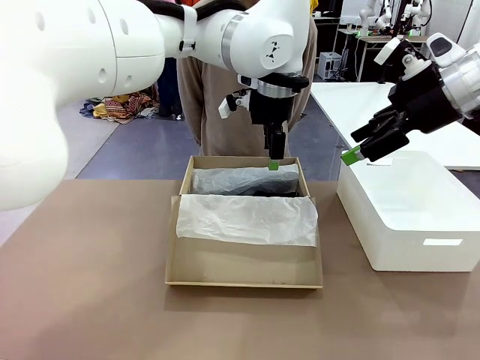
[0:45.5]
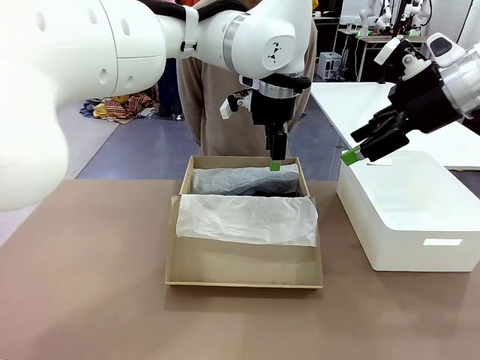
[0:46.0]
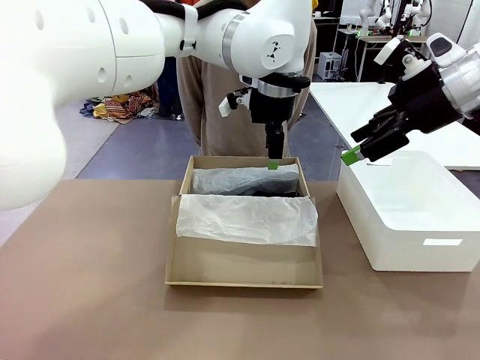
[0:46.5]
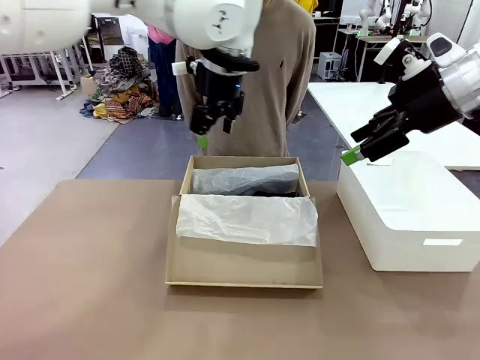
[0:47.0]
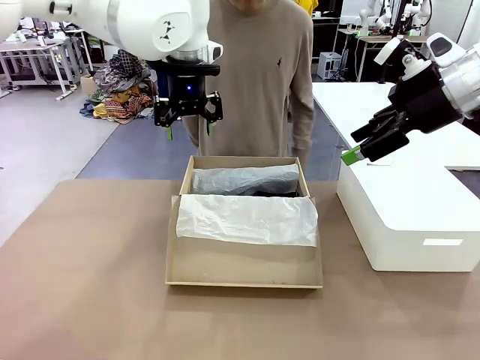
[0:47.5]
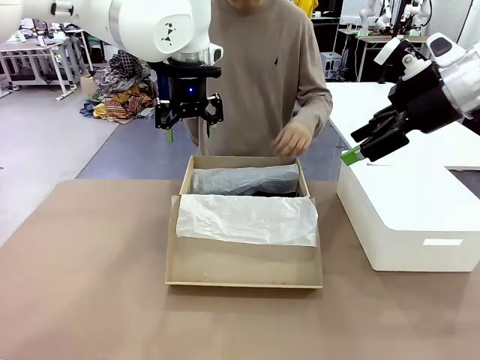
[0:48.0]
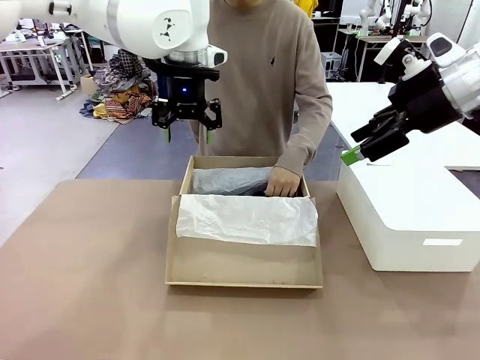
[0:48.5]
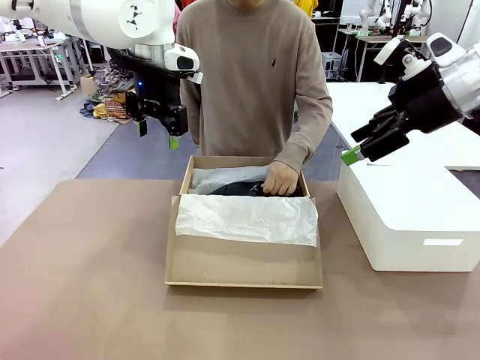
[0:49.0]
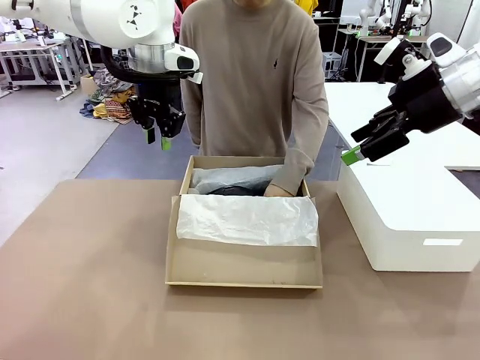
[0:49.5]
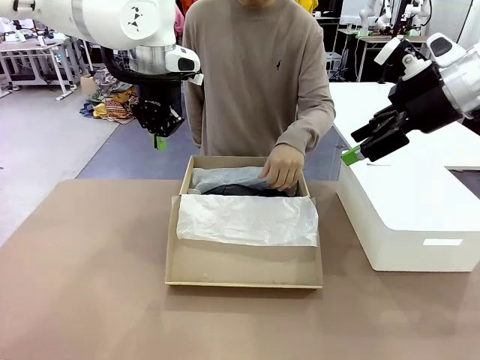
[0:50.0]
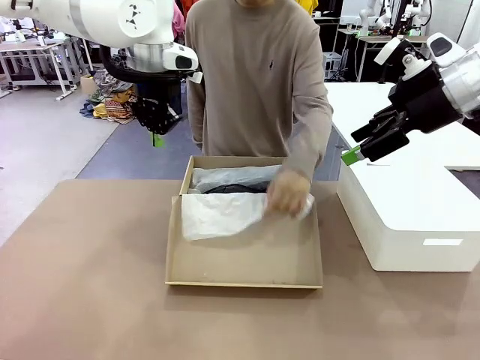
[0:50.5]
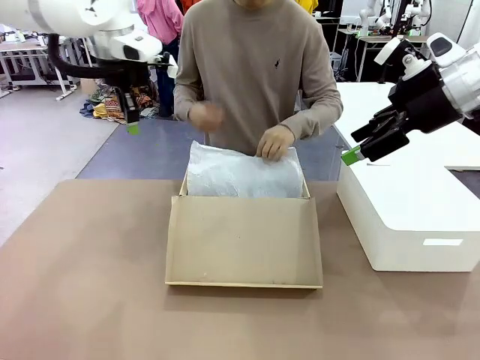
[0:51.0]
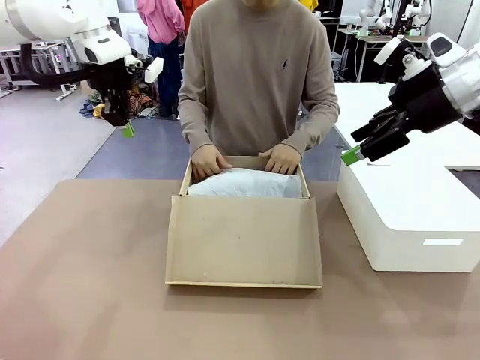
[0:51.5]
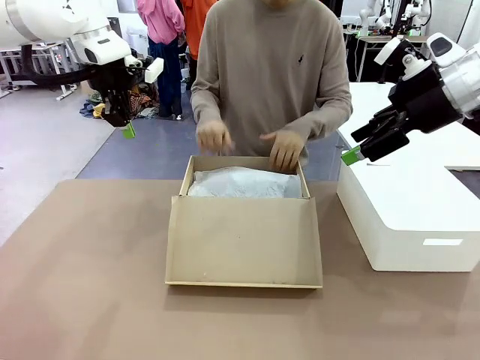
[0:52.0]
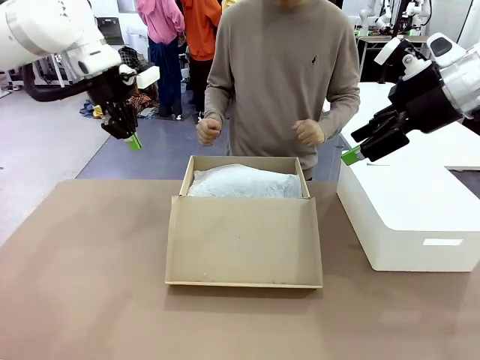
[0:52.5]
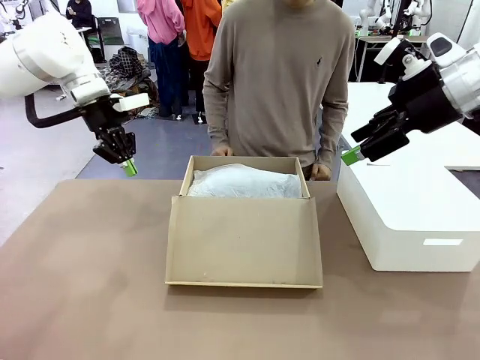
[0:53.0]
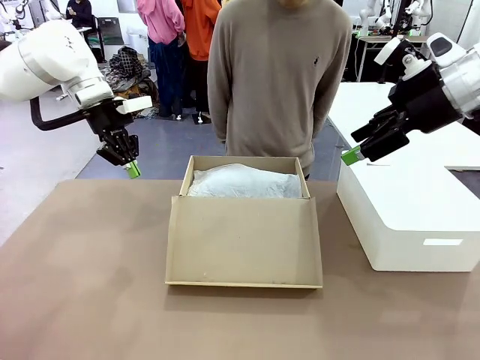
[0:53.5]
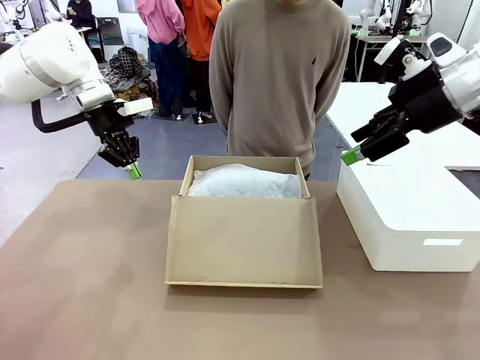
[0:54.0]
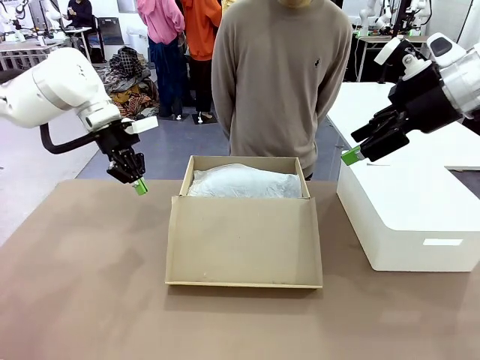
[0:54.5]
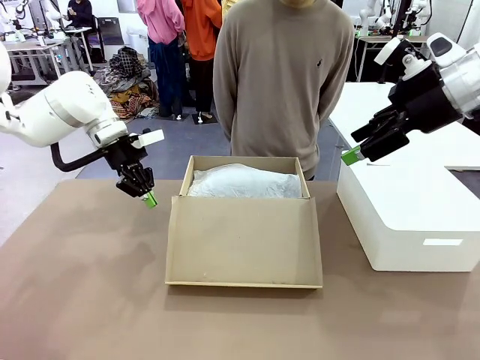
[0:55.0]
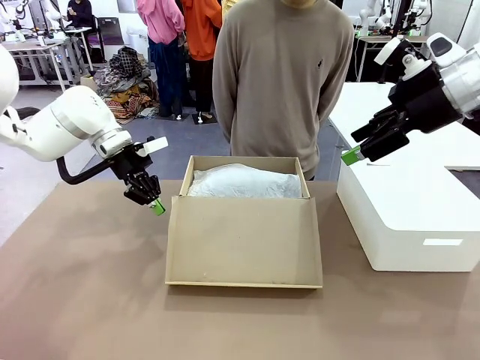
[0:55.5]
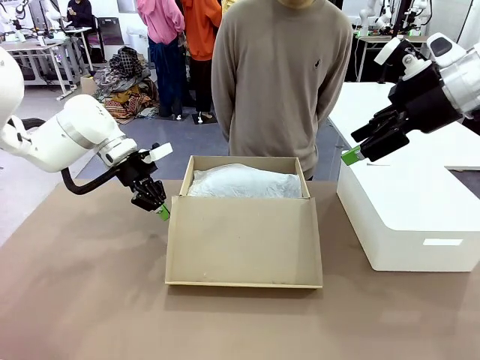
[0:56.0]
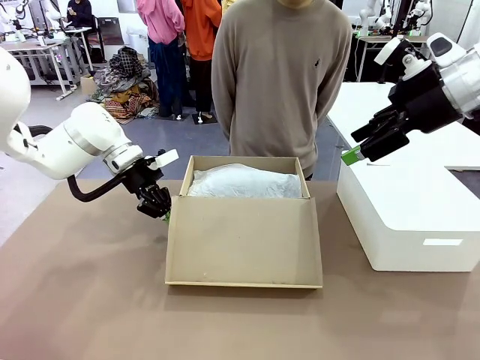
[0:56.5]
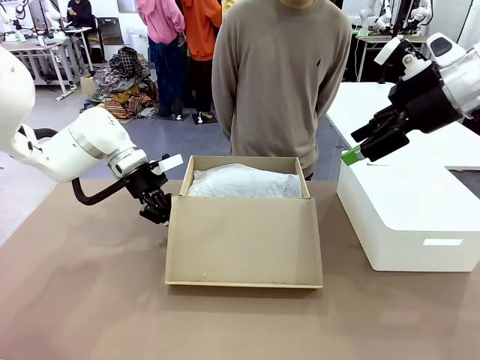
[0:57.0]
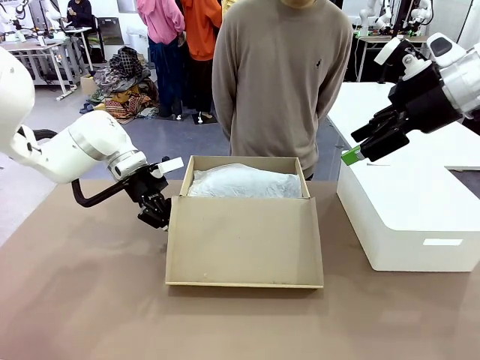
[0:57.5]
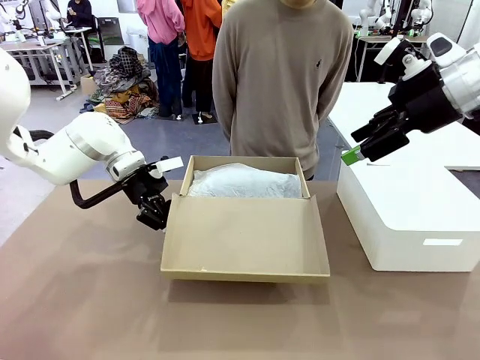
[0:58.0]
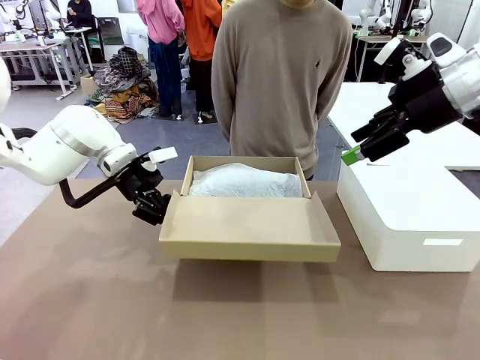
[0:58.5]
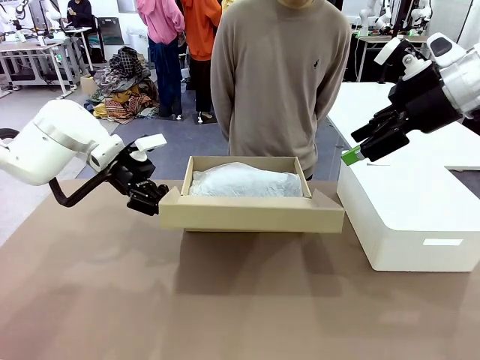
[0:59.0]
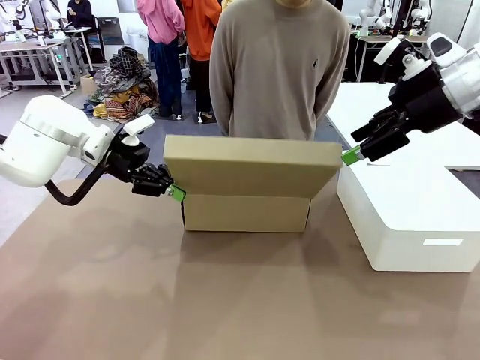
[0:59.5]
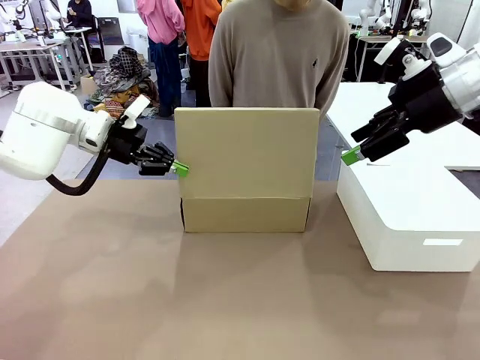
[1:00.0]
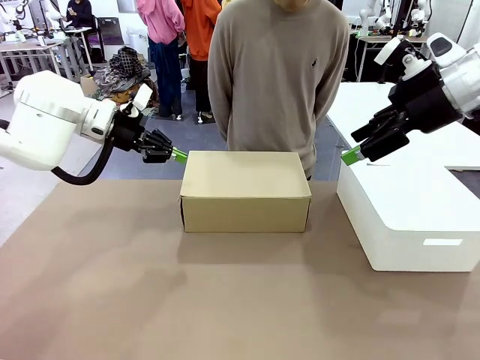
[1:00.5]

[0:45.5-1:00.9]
Task: Pack the shoes into the box.
Robot: Close the Shoes Box.

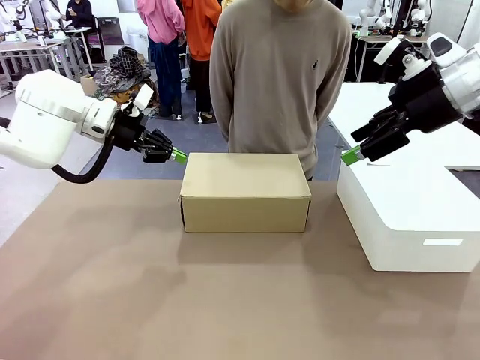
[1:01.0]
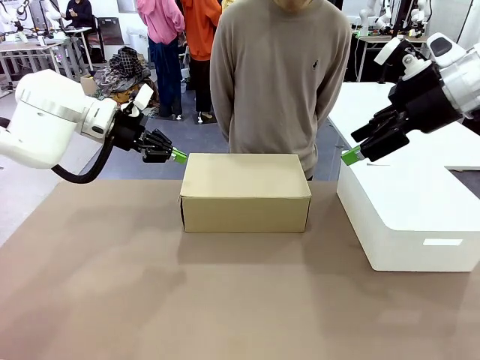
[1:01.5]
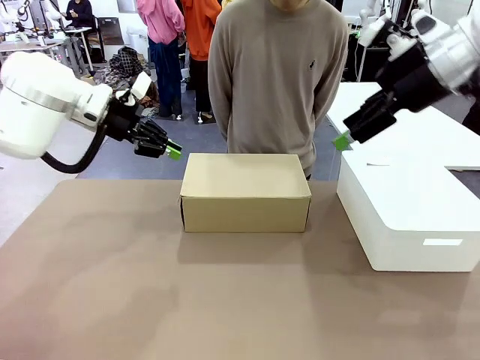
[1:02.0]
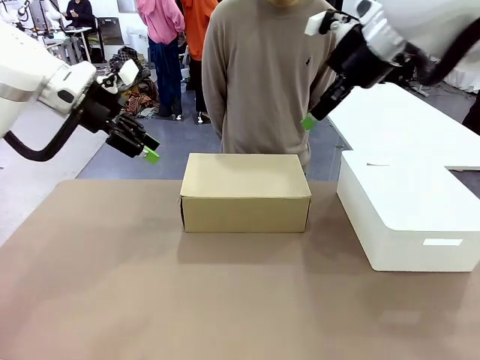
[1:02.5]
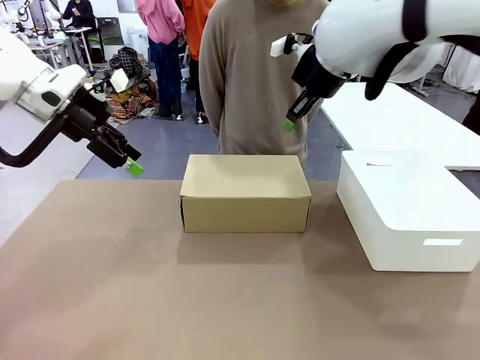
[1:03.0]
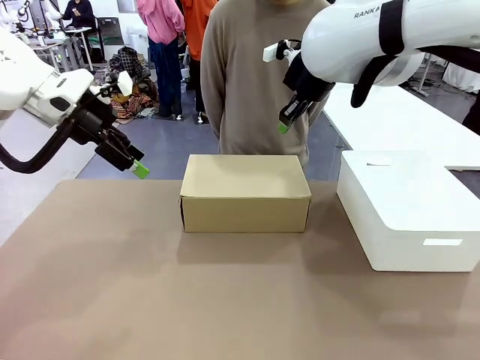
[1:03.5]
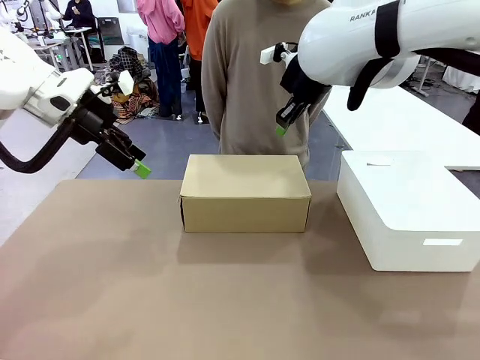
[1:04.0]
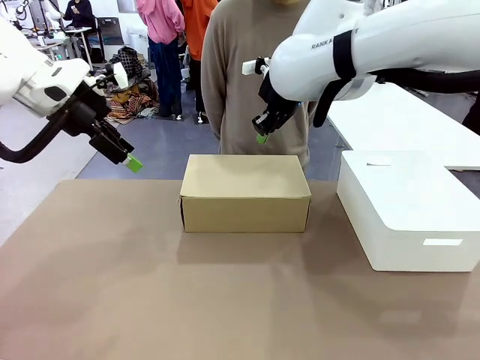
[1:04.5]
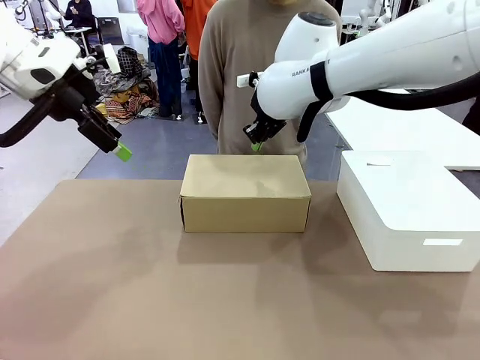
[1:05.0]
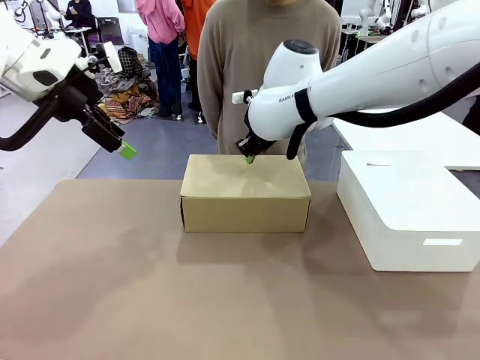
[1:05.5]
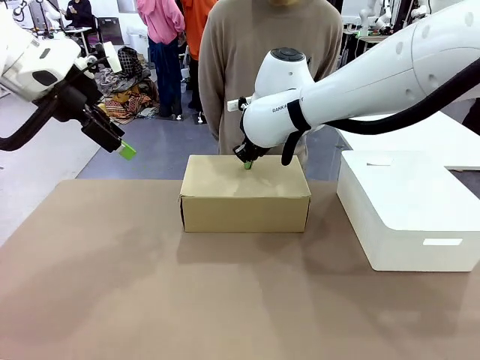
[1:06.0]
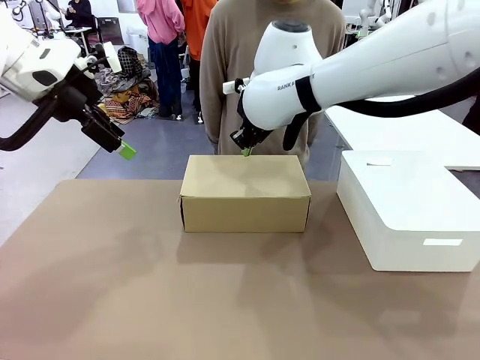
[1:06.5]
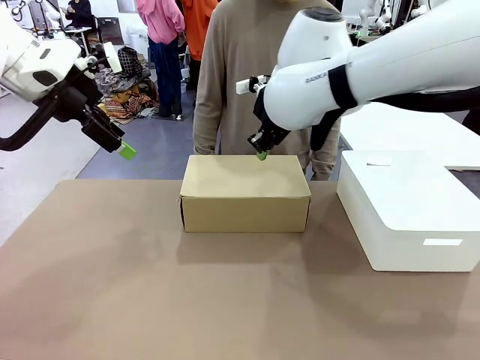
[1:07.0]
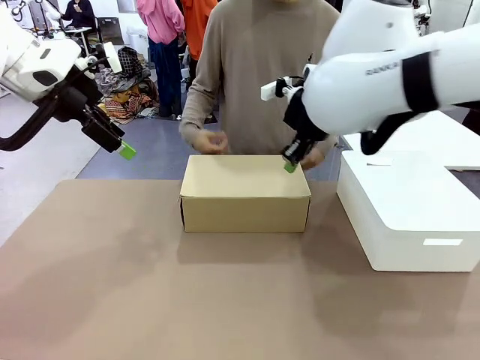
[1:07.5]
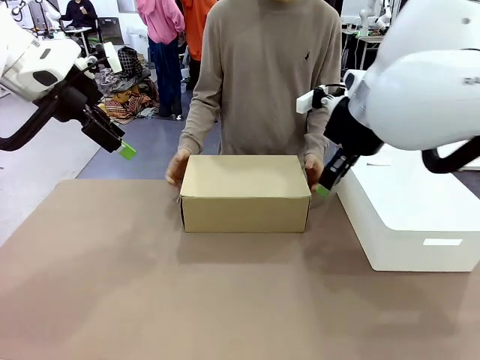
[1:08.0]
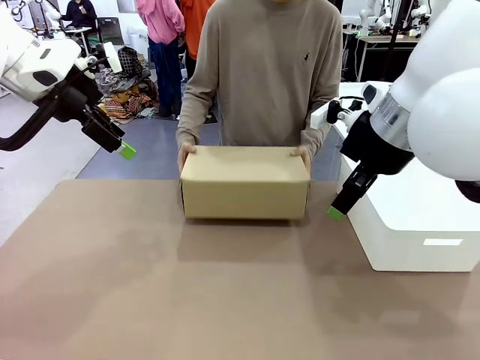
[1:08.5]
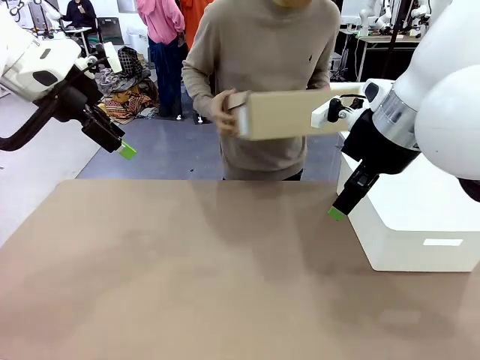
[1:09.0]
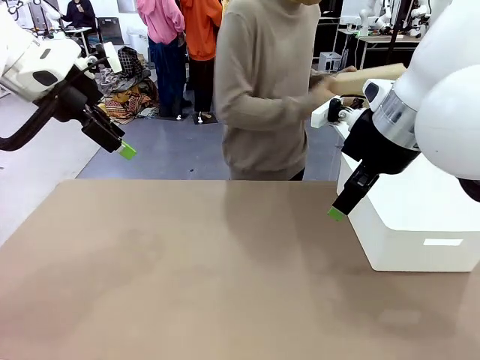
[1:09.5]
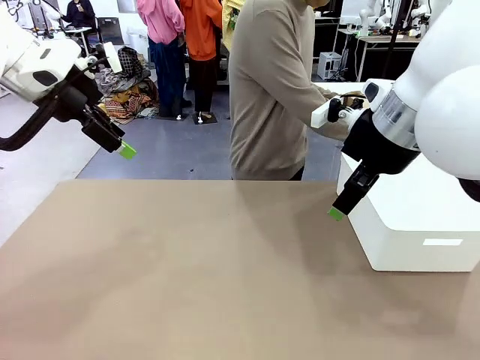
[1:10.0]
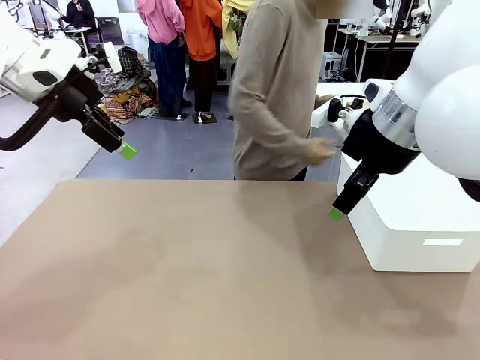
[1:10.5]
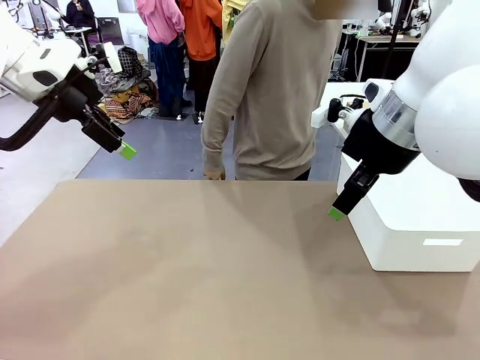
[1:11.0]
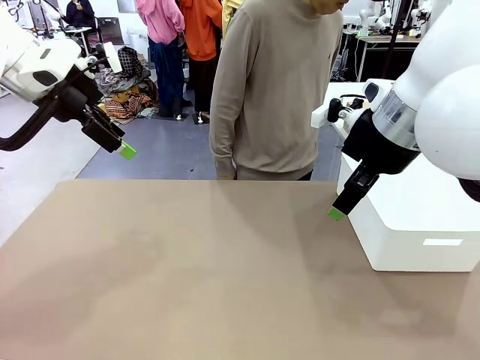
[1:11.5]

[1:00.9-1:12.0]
Robot: Press down on the lid of the Shoes Box.
Person: Place the closed Shoes Box to the right side of the human table.

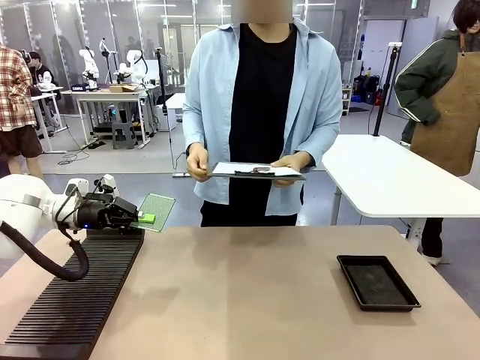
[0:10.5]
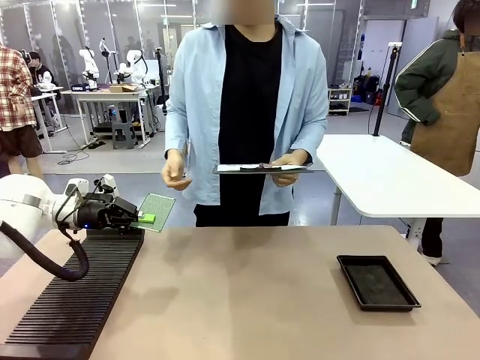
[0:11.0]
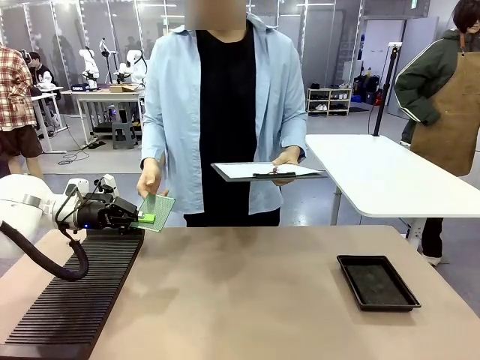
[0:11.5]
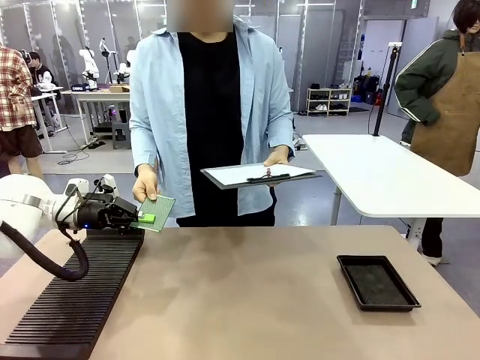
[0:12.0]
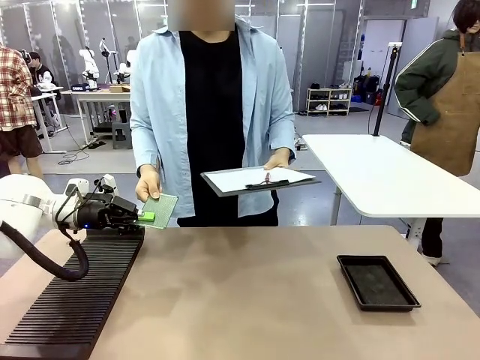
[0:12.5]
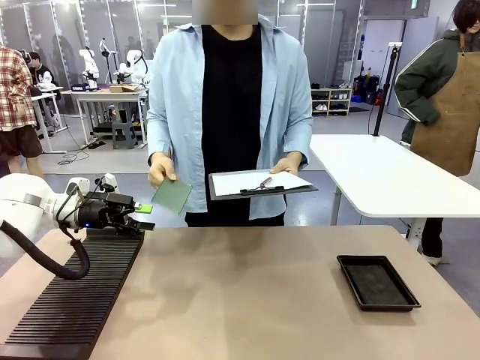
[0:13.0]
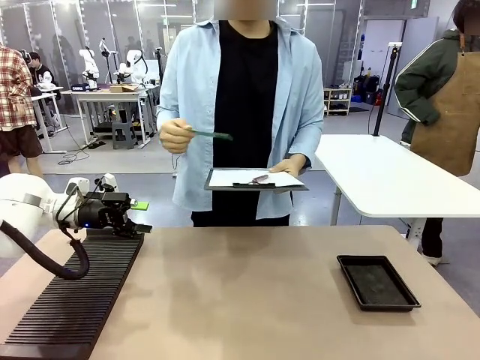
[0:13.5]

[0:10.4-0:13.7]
Task: Inspect the PCB.
Robot: Release the Blank PCB you were holding.
